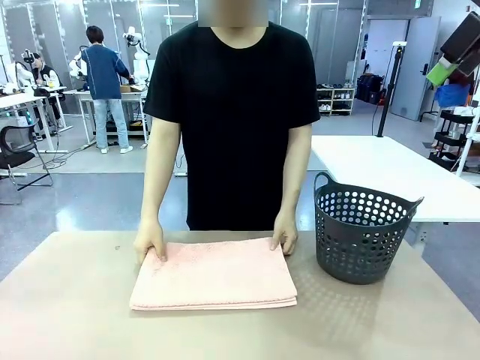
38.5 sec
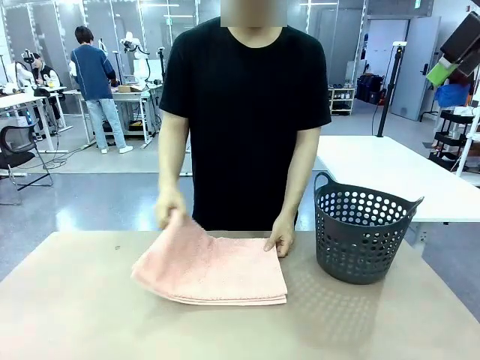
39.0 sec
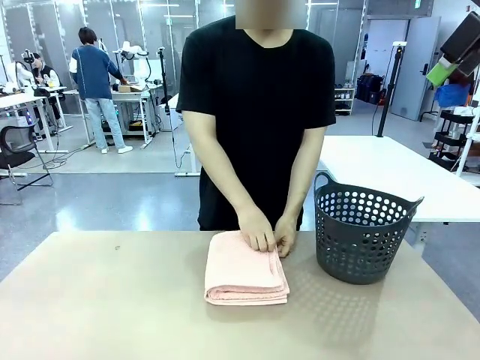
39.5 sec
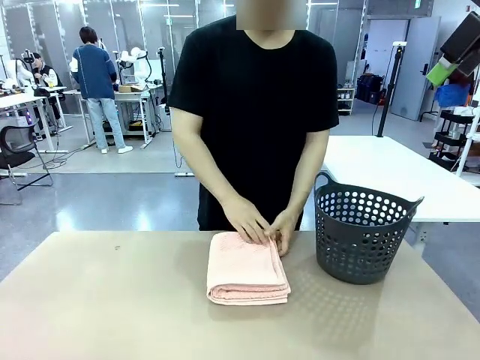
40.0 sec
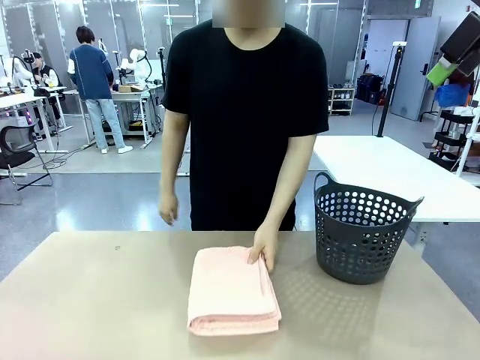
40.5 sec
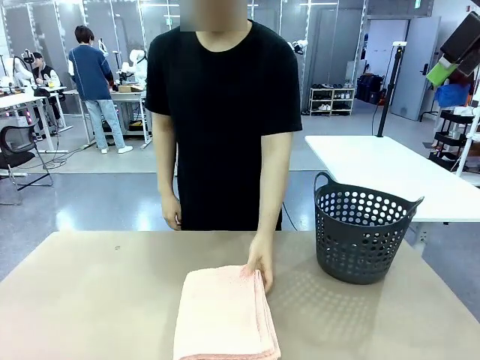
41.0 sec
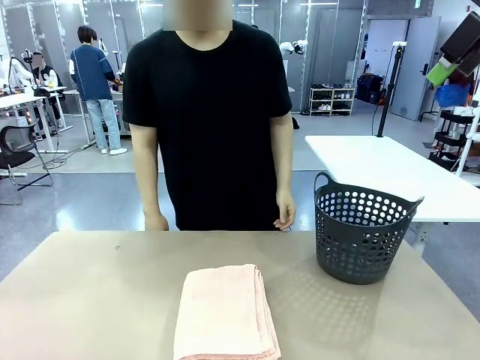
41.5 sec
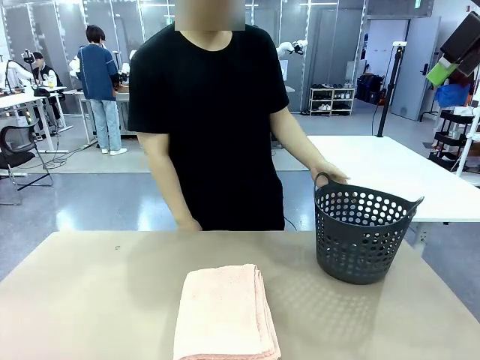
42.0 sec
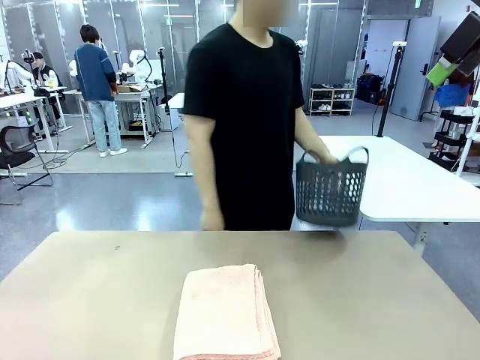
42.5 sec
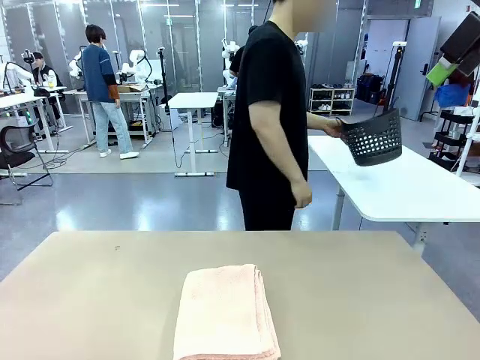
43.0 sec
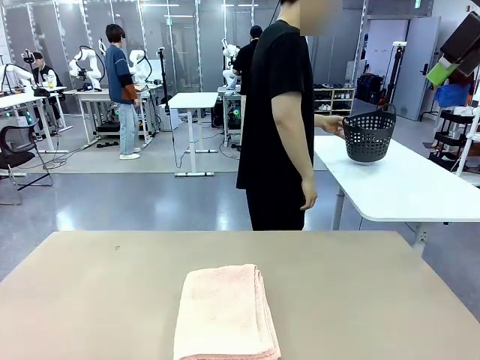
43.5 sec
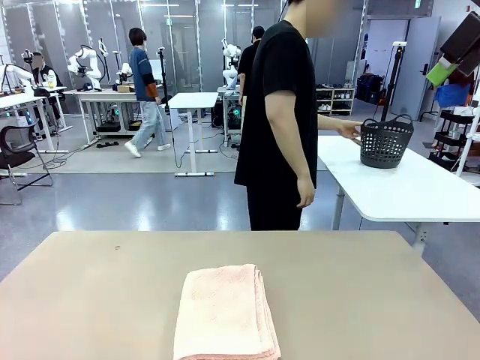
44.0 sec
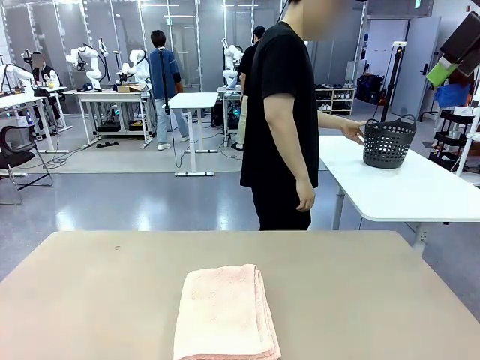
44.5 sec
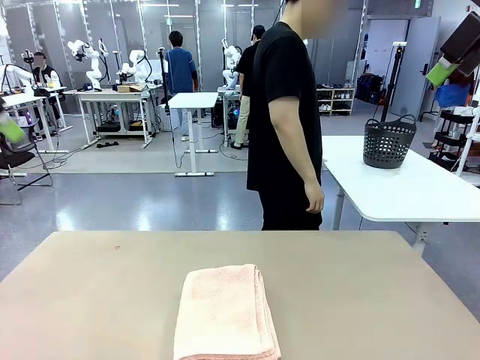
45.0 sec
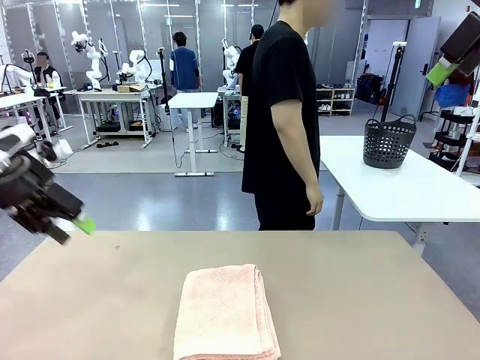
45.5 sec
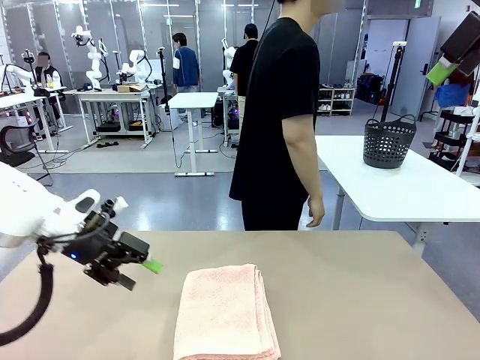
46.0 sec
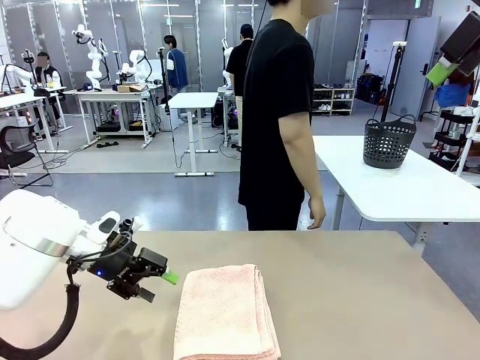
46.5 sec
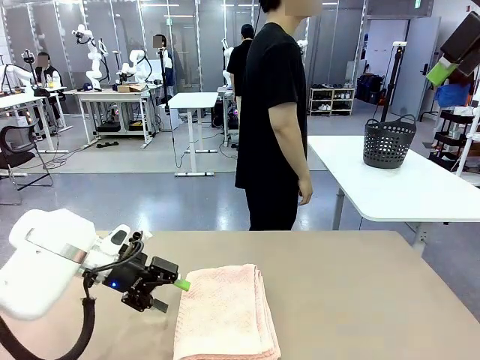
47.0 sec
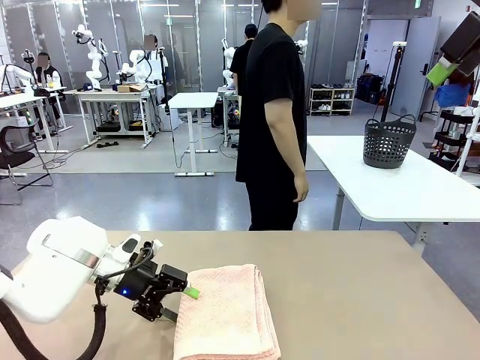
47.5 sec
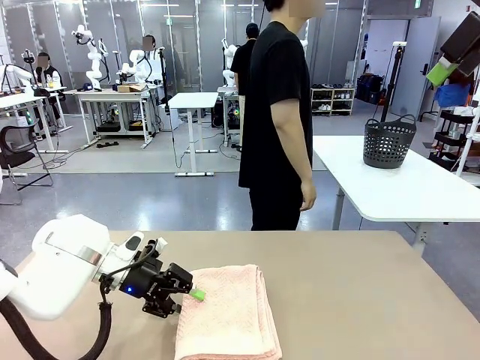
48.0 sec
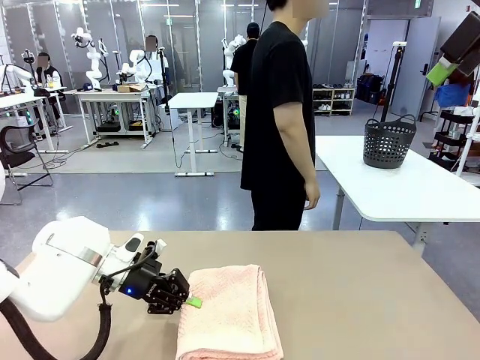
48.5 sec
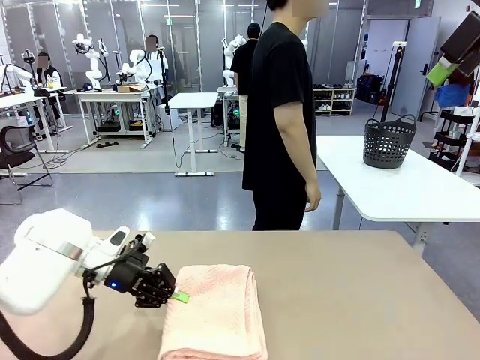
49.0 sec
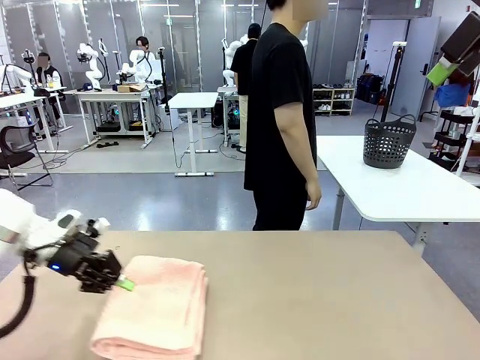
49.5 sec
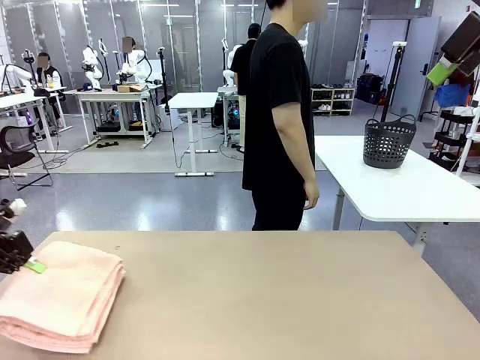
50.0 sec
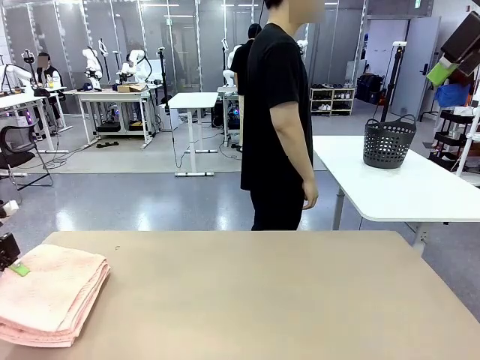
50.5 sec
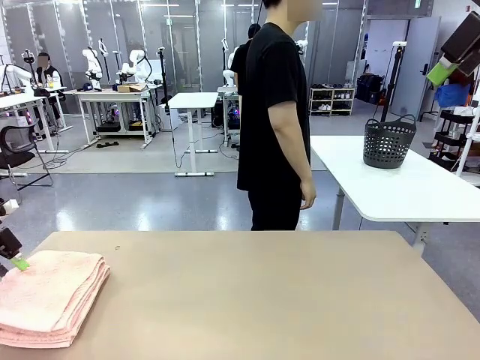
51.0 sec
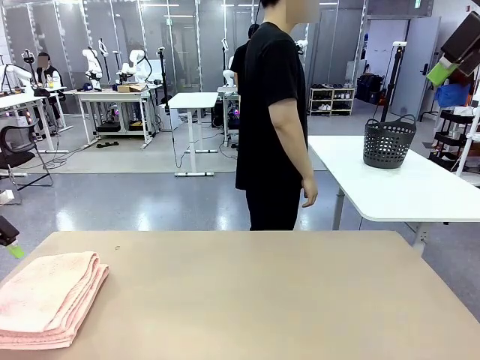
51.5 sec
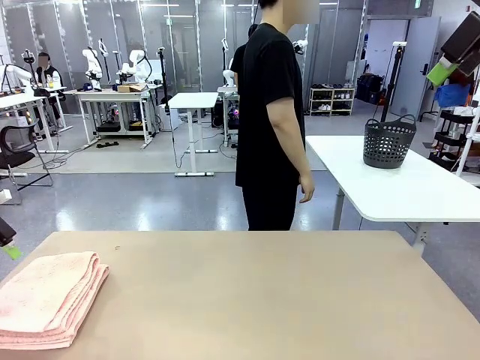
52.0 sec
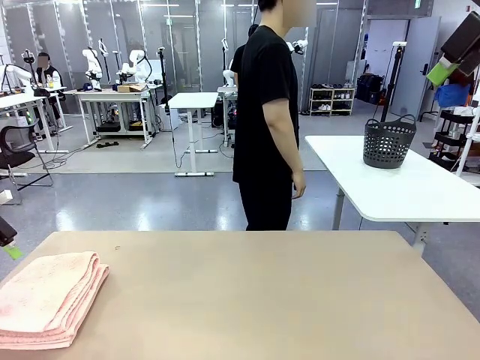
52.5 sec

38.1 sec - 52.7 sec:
Task: Fold the towel.
Robot: Pick up the 100 cm Hotel Towel and place it on the left side of the table.
Person: Pick up the laundry basket and place it at the center of the human table.

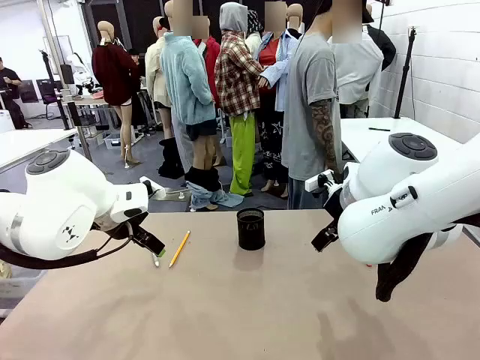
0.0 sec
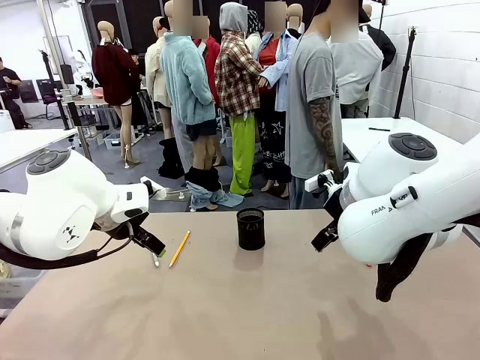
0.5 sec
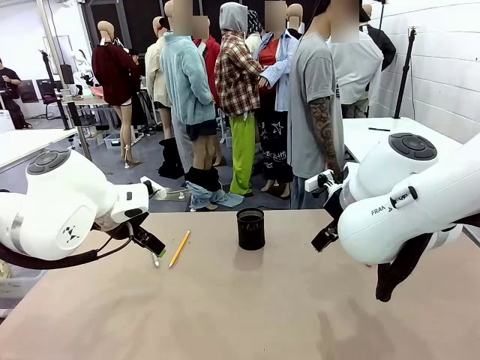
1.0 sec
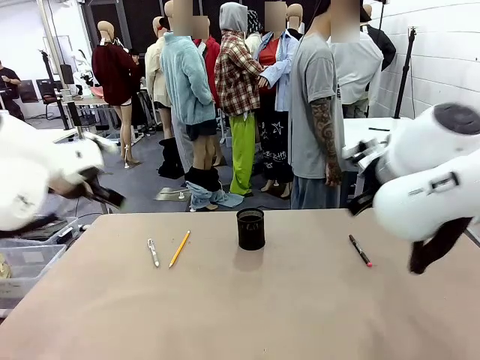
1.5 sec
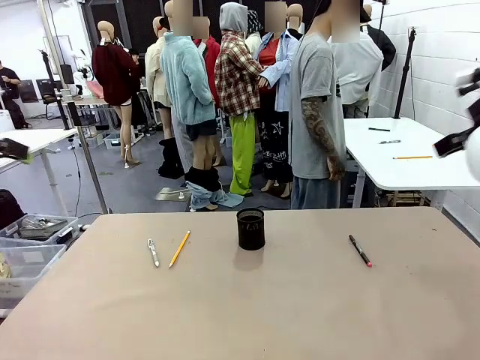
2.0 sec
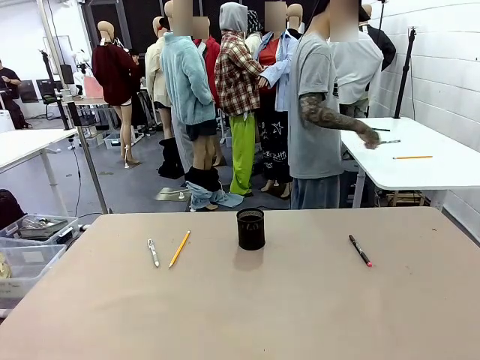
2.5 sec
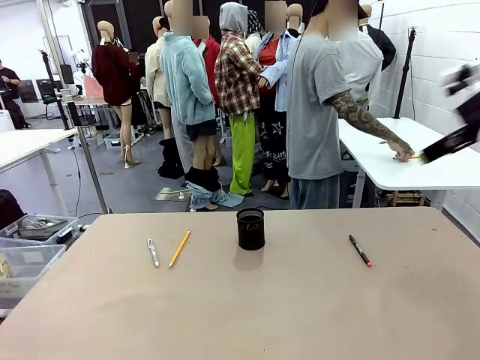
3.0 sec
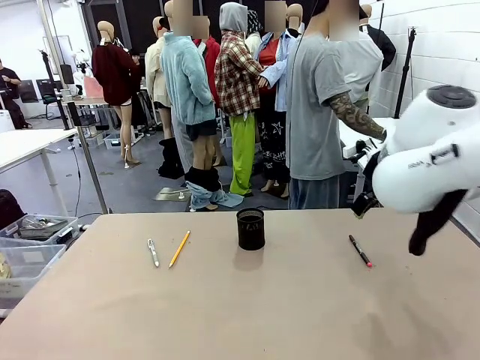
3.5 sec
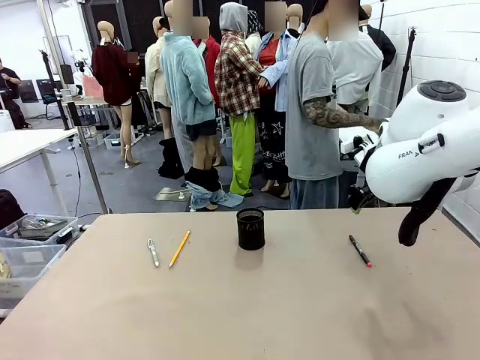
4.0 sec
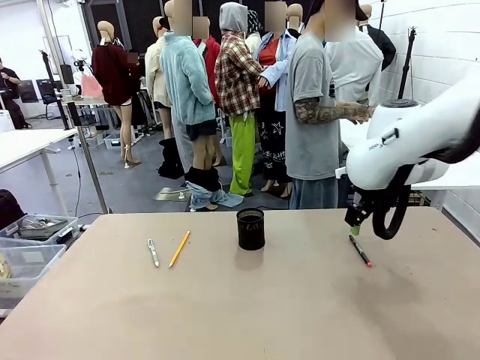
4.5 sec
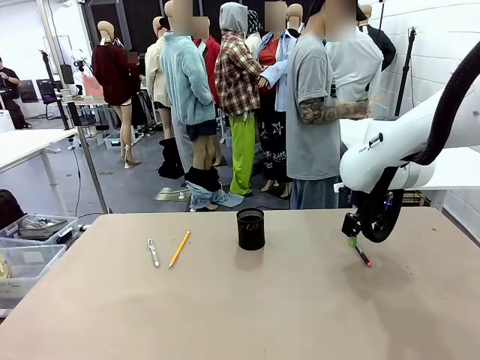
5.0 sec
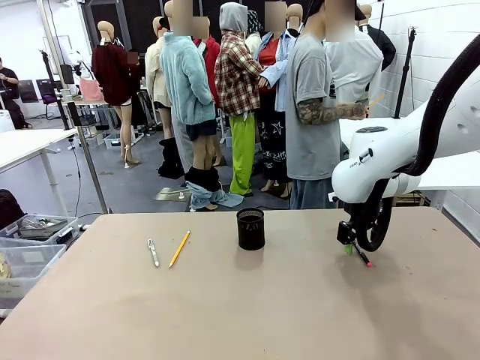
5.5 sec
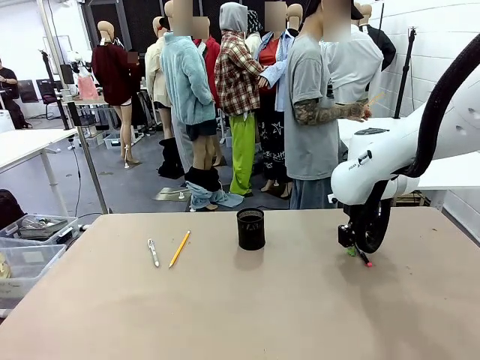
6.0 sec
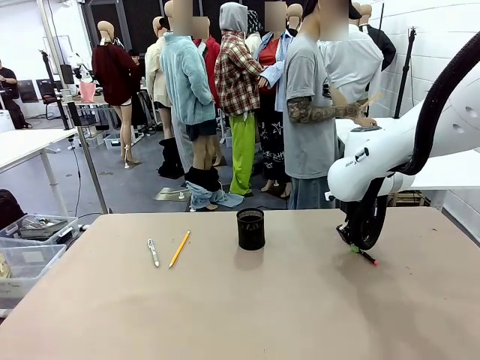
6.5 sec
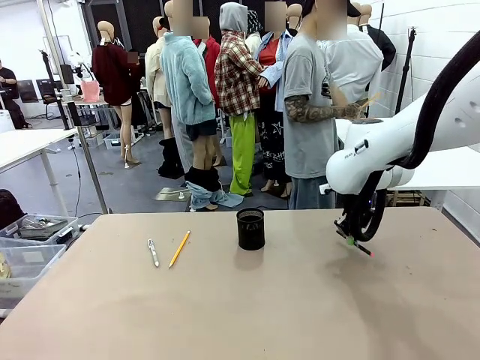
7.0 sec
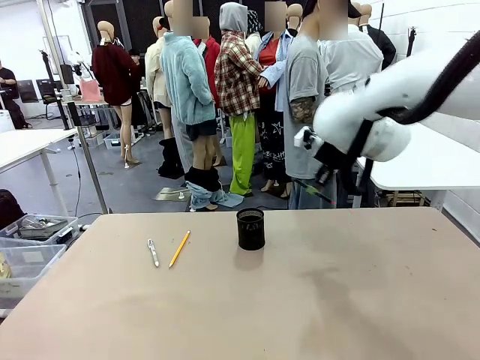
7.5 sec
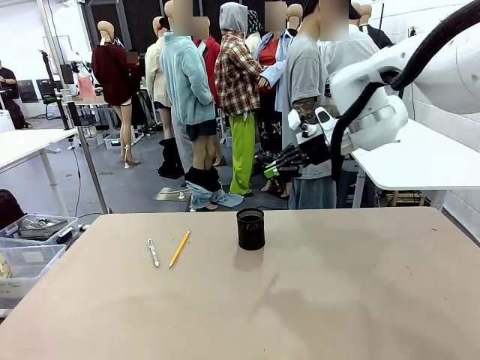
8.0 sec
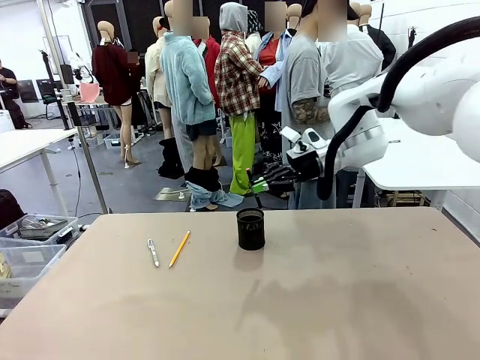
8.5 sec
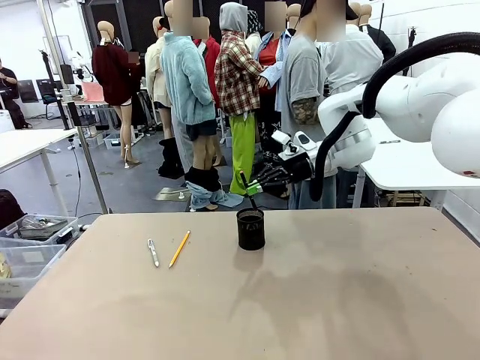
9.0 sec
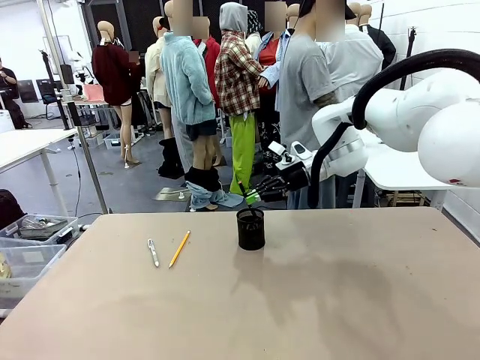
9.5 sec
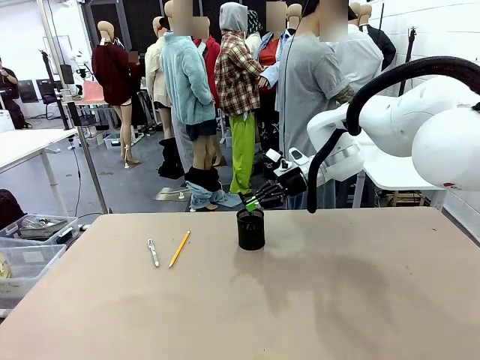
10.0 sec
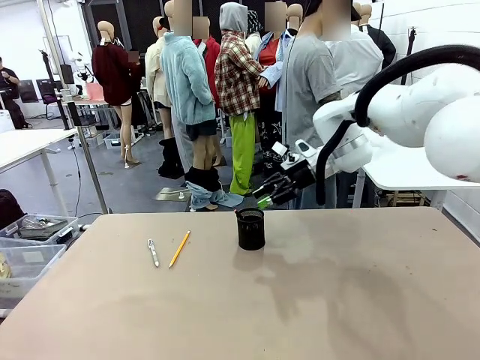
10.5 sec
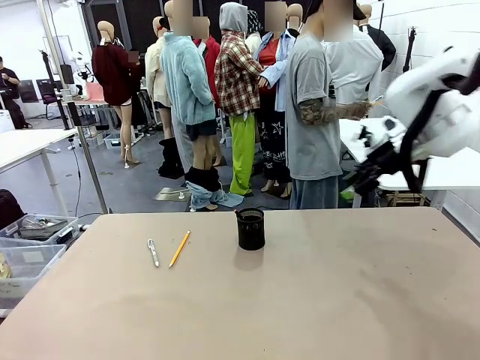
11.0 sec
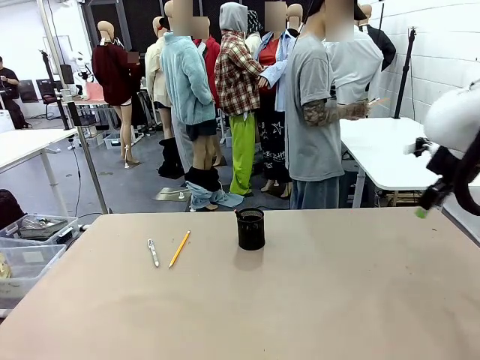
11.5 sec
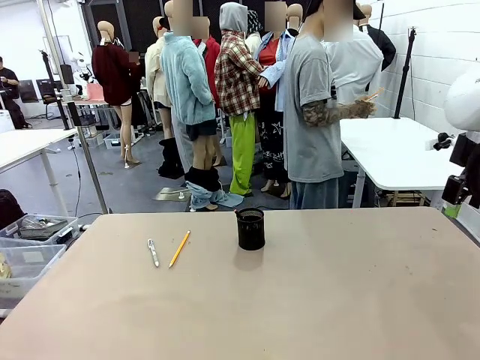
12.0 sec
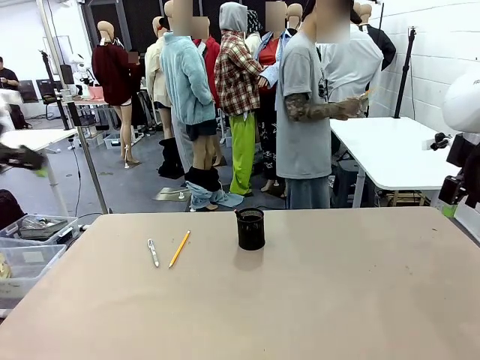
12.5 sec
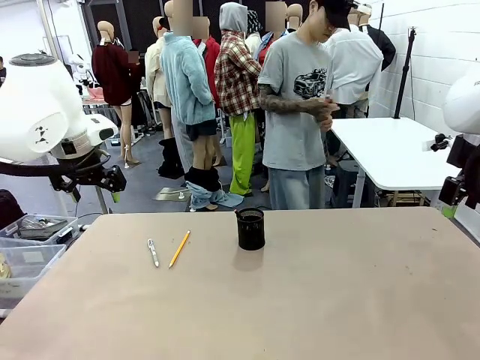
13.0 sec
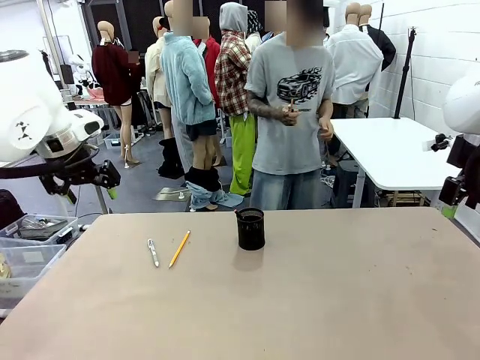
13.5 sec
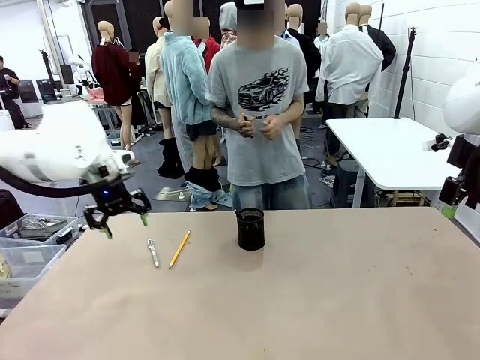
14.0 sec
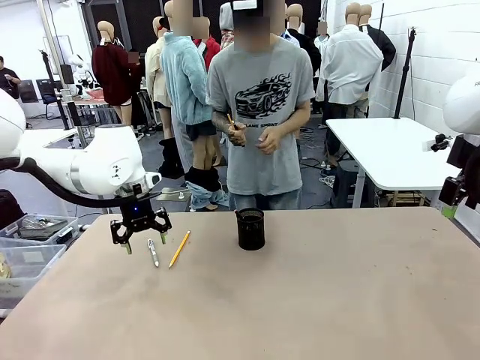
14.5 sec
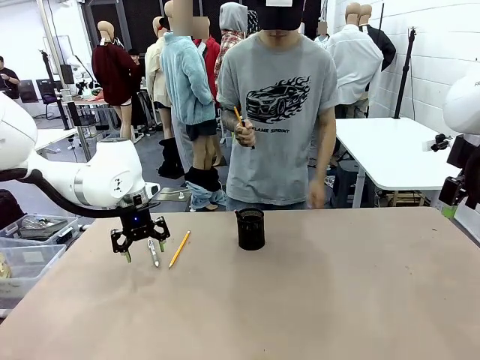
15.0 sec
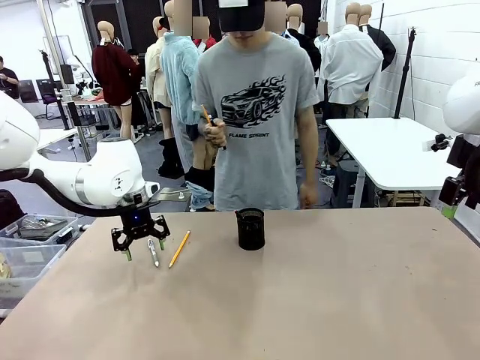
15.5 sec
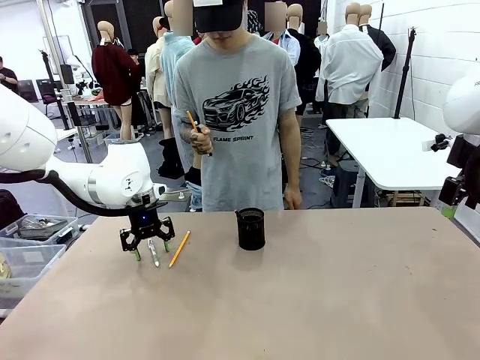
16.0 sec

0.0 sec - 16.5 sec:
Task: Place the pens into the pen holder.
Robot: Pick up a writing instrument from the table and place it into the Pen holder.
Person: Pick up all writing instruments from the Human table.
